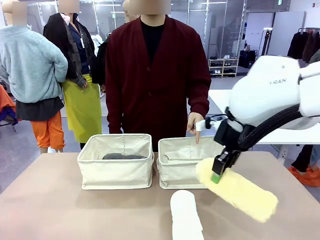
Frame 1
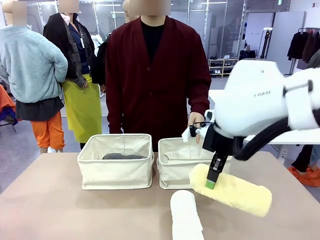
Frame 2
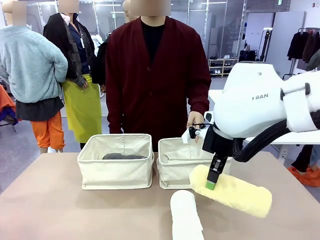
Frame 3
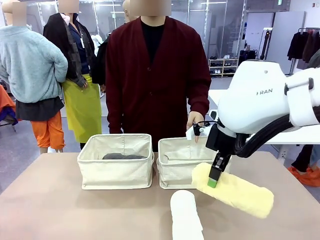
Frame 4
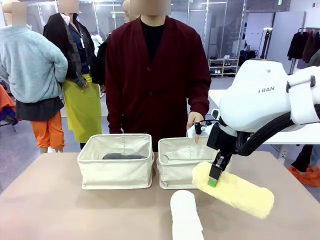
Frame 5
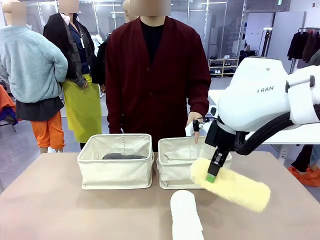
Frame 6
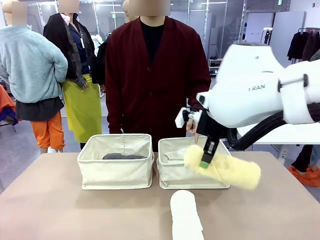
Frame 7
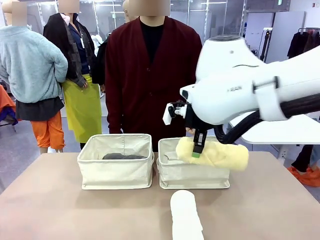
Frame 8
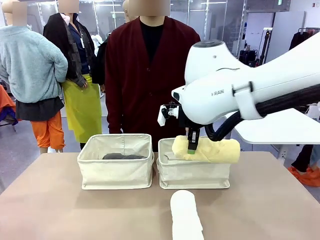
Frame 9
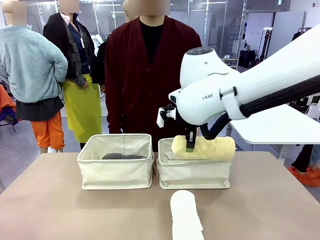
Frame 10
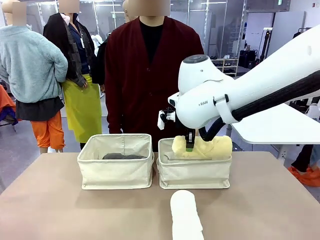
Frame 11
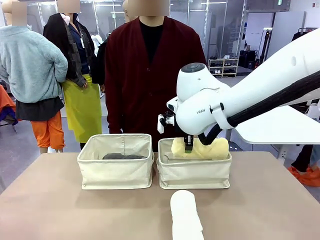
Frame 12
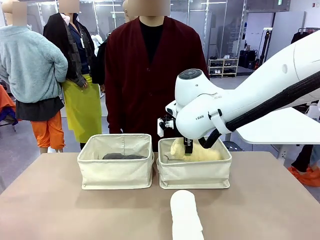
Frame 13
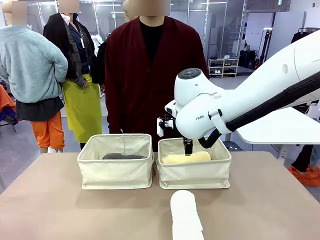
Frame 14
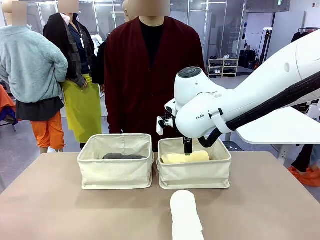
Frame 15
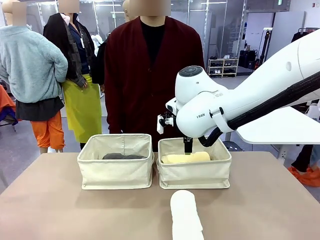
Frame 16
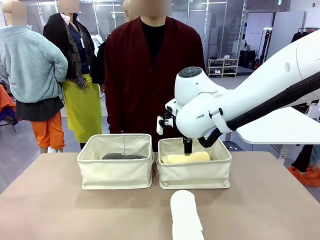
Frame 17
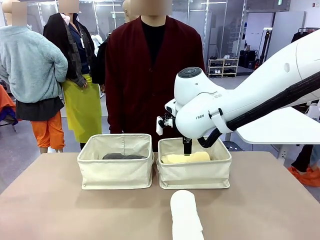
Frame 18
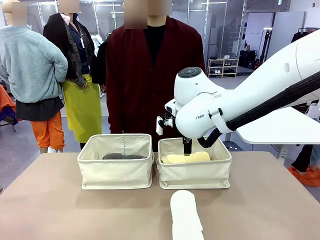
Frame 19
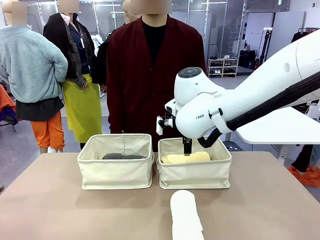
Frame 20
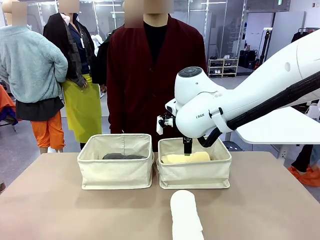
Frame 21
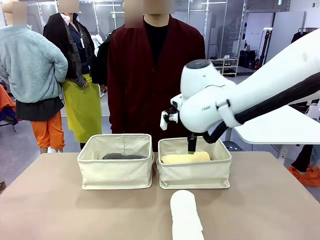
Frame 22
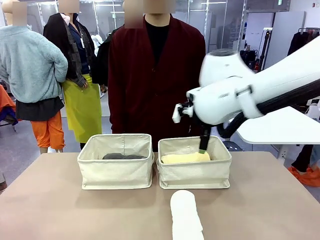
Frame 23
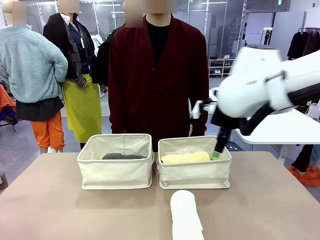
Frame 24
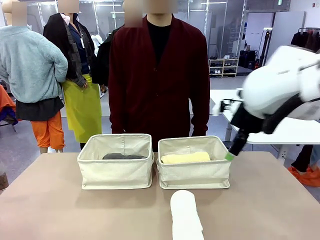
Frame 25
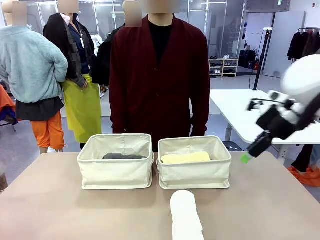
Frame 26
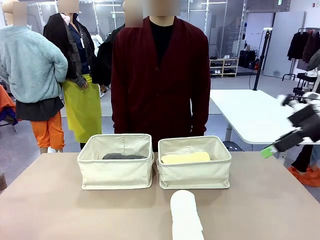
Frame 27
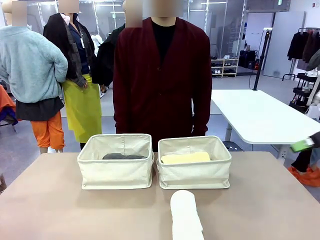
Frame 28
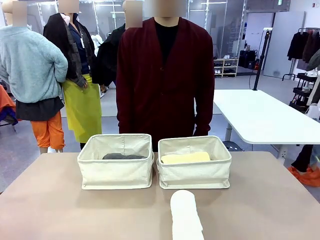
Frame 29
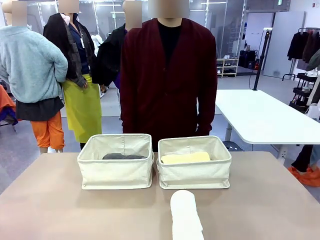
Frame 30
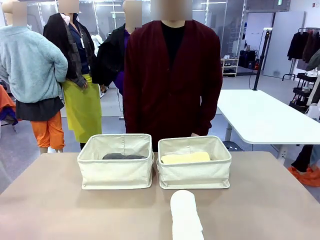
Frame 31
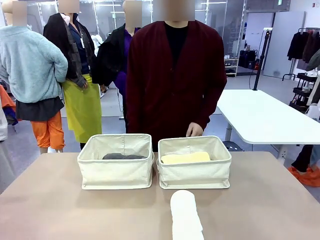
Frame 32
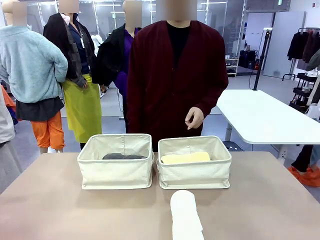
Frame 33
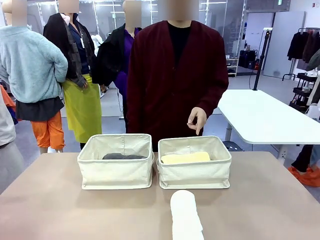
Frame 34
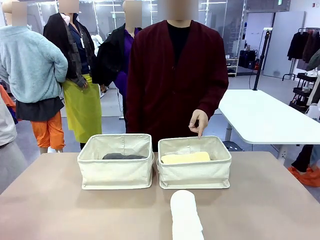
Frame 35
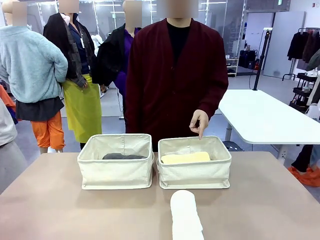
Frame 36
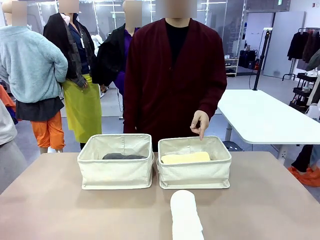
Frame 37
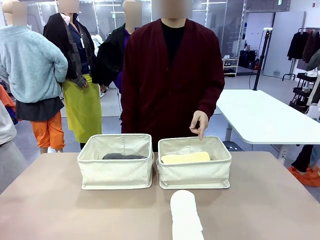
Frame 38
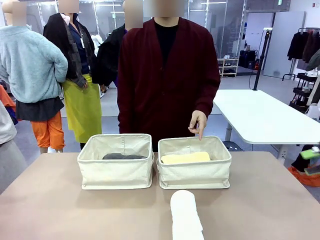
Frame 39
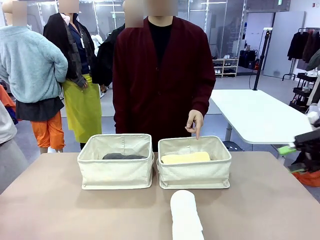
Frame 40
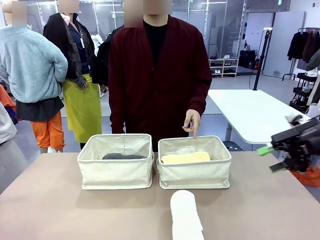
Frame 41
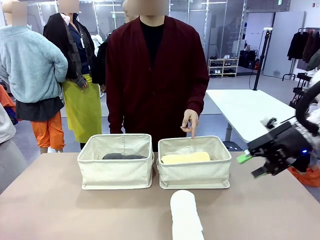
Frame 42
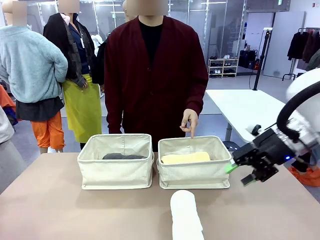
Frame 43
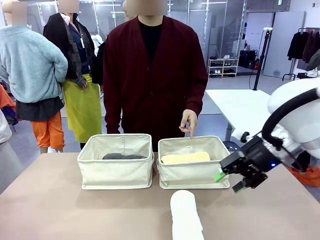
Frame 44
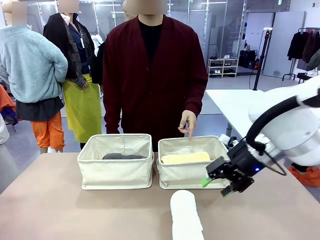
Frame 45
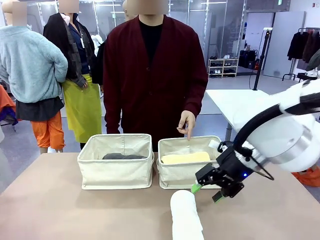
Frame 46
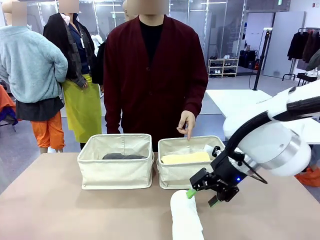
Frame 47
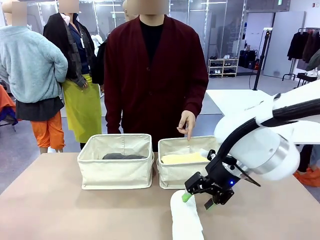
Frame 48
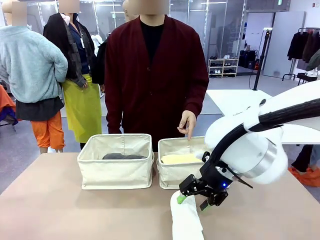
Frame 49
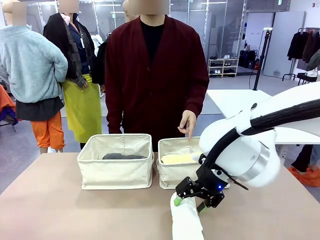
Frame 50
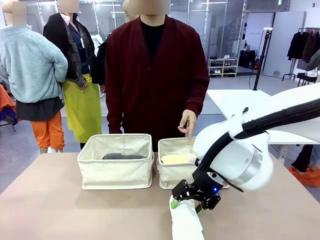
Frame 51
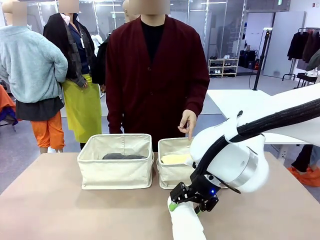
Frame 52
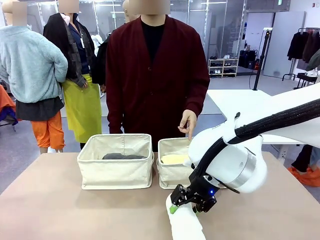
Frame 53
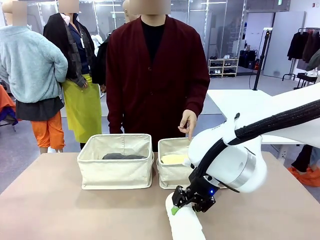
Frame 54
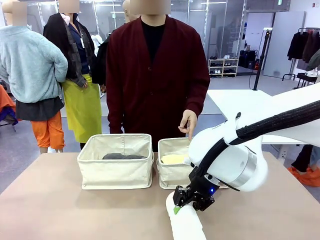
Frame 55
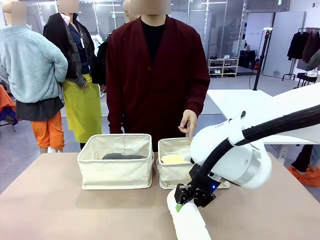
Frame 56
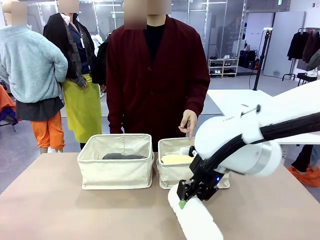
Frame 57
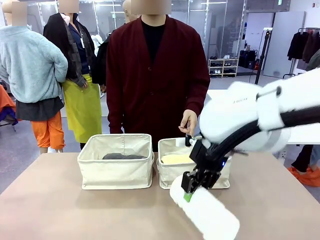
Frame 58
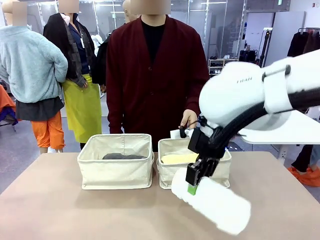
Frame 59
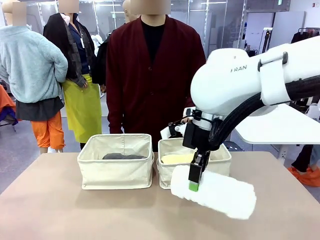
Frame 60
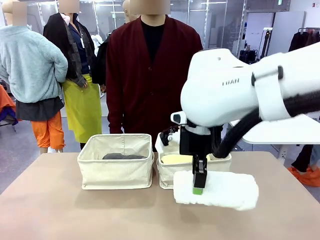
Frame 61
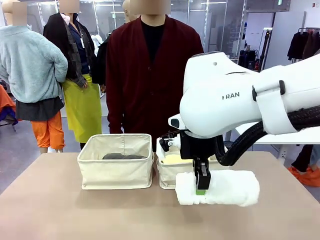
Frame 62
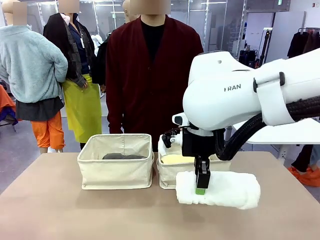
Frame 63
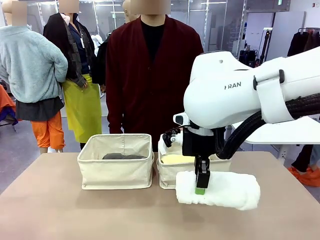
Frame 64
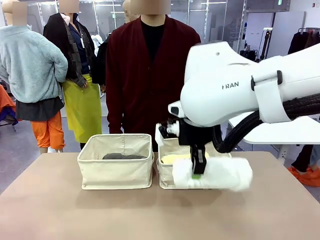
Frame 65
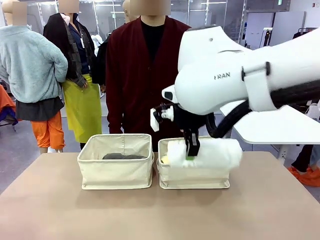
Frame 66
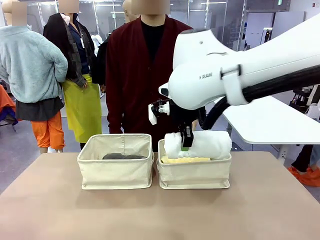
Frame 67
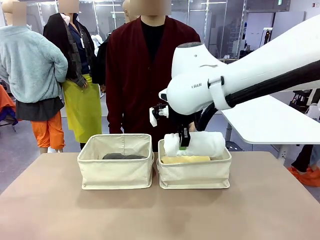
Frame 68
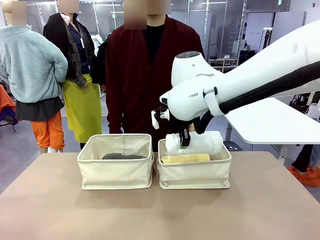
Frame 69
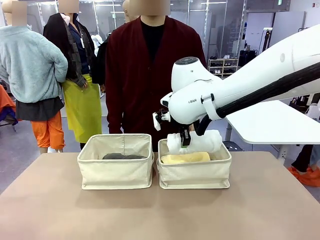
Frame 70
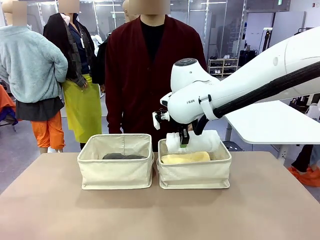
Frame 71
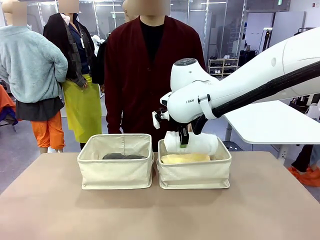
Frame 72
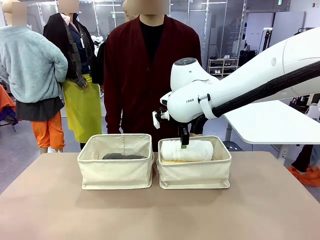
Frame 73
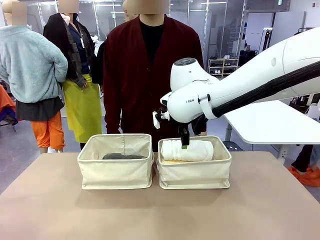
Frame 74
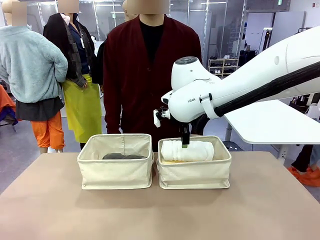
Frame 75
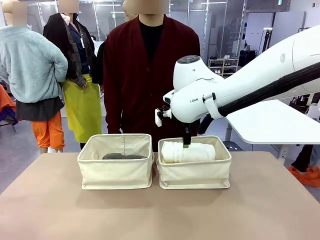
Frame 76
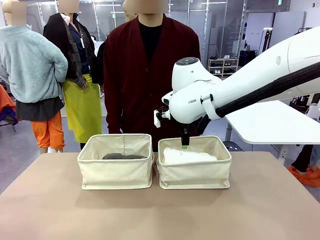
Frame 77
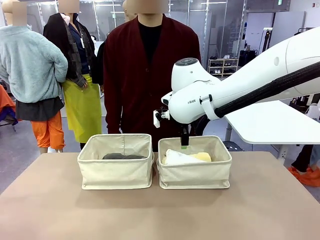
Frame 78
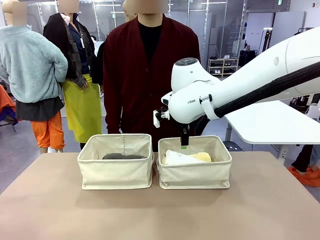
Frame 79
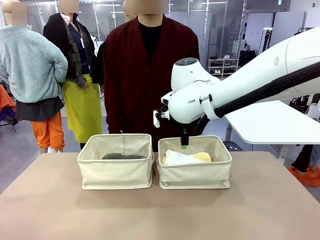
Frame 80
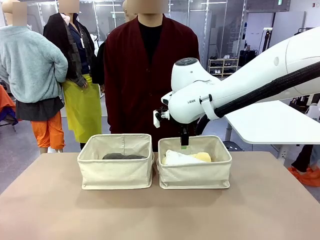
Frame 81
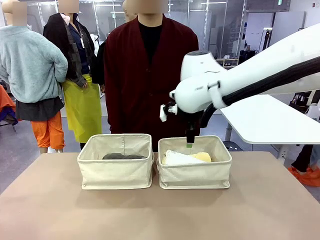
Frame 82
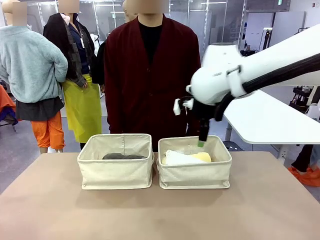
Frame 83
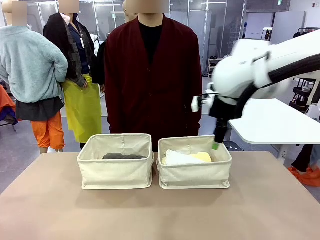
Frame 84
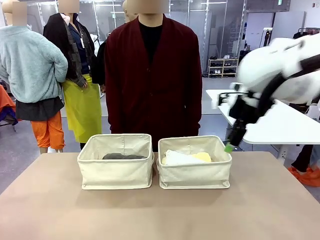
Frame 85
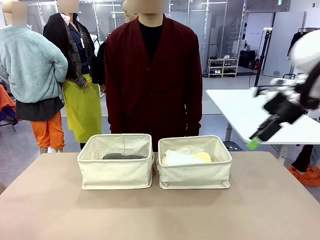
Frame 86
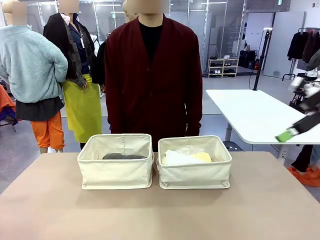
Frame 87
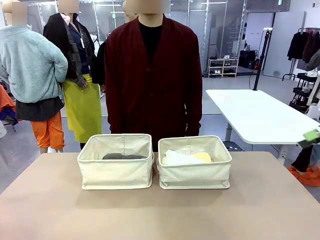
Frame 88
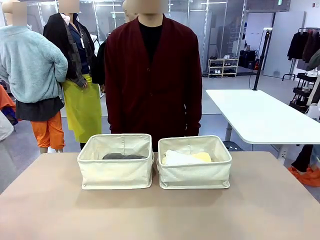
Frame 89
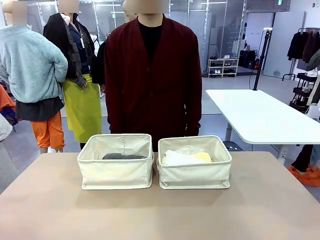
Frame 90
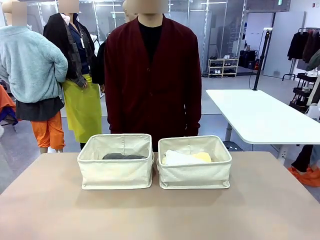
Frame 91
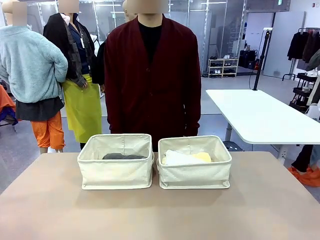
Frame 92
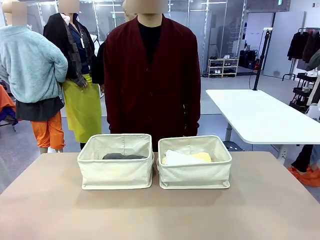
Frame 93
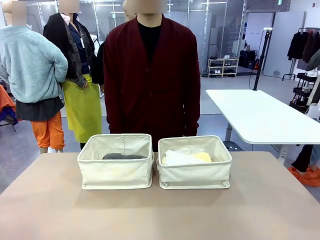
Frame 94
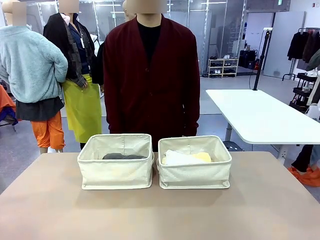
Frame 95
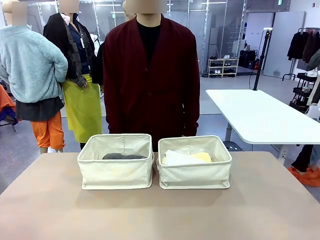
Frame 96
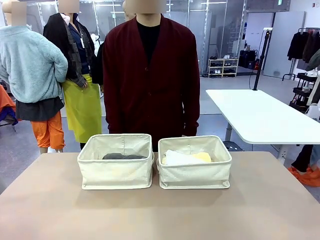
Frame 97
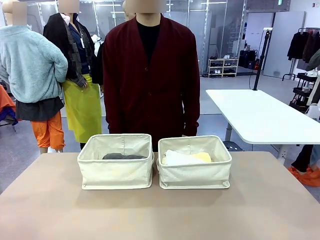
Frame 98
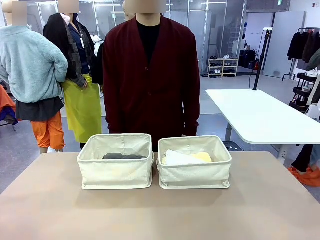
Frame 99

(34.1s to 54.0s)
Task: Divide the towels into two baskets.
Robot: Pick up one hotel-folded towel from the bottom of the table and place it in the Fabric basket indicated by the person.
